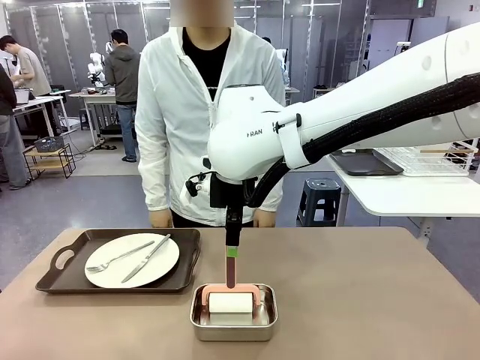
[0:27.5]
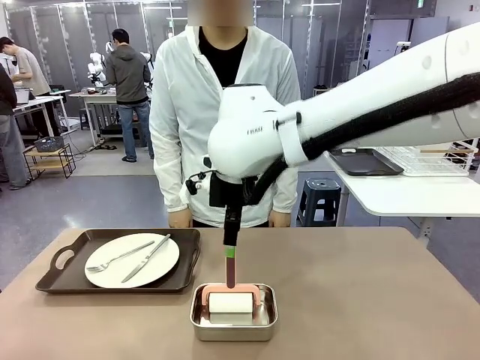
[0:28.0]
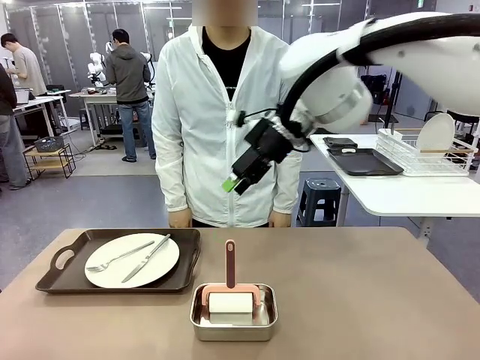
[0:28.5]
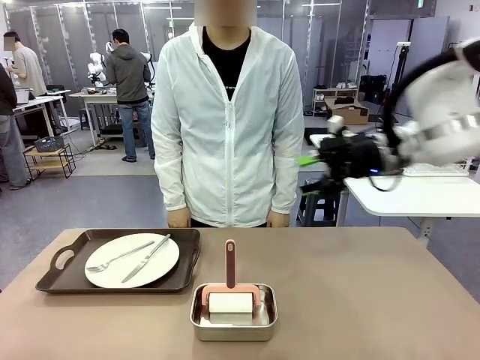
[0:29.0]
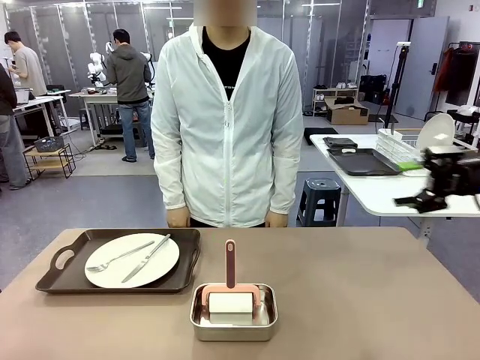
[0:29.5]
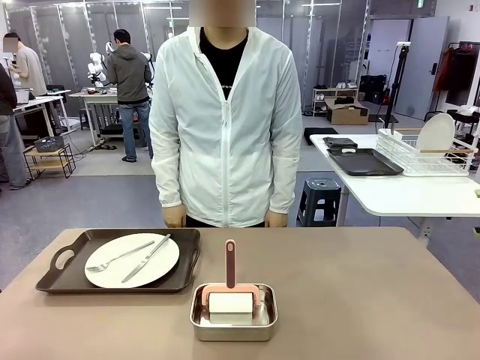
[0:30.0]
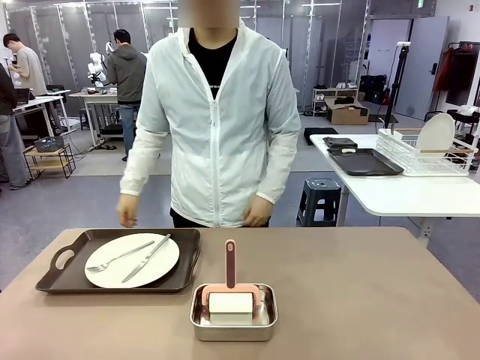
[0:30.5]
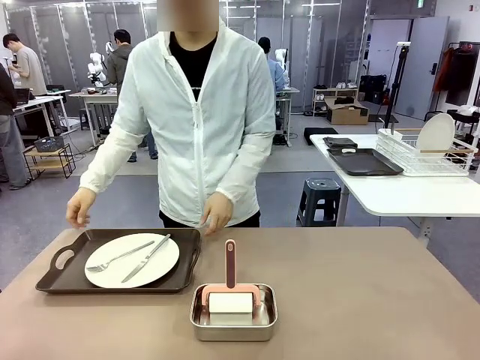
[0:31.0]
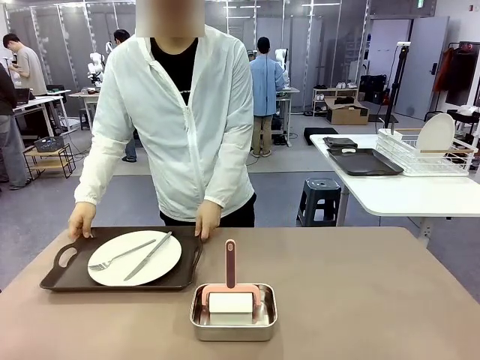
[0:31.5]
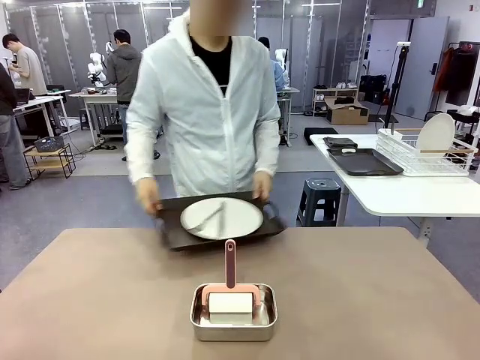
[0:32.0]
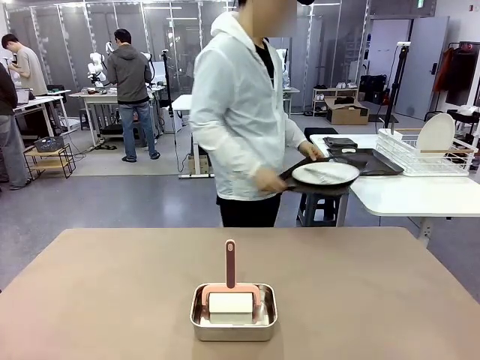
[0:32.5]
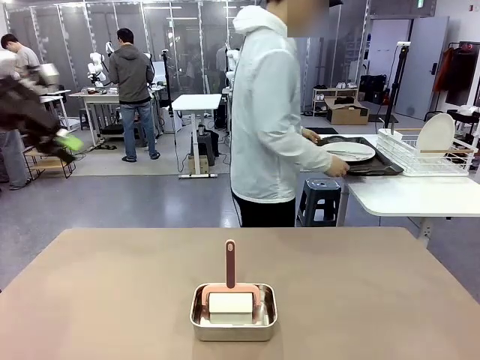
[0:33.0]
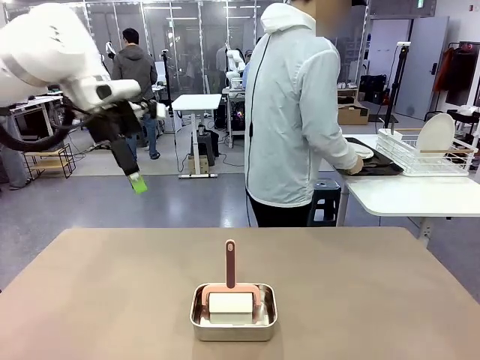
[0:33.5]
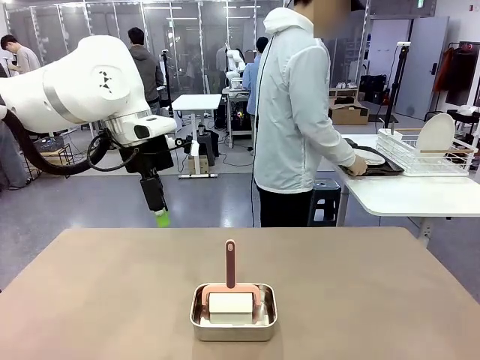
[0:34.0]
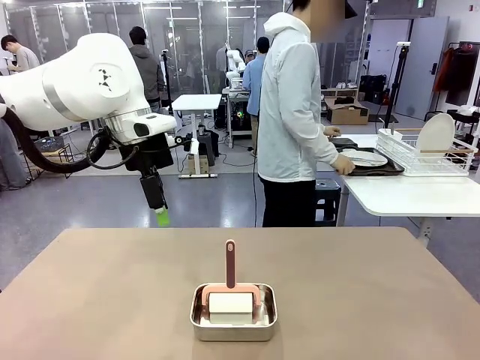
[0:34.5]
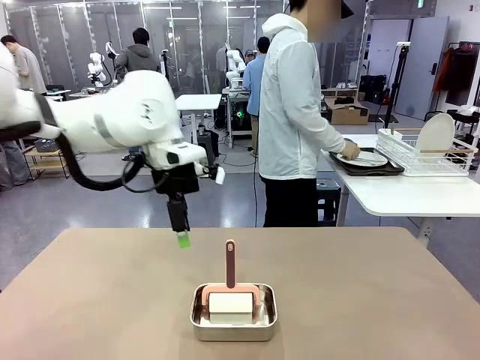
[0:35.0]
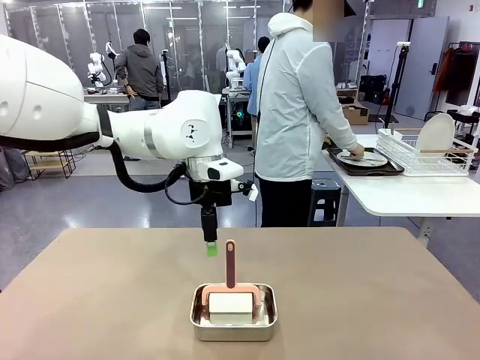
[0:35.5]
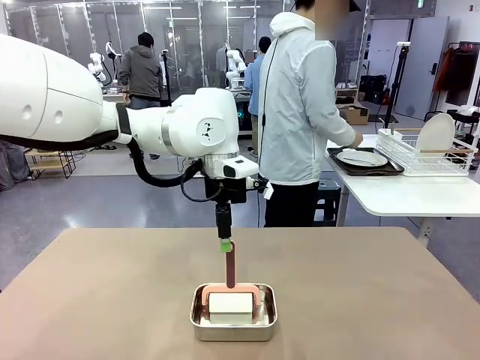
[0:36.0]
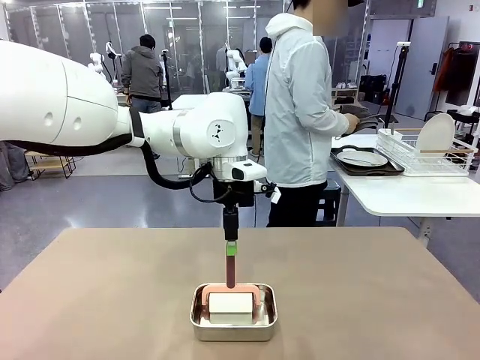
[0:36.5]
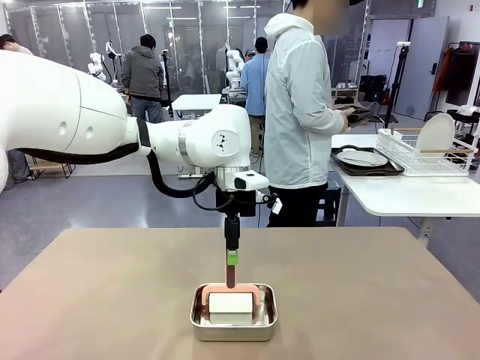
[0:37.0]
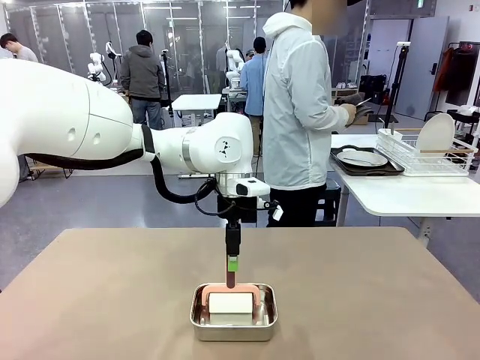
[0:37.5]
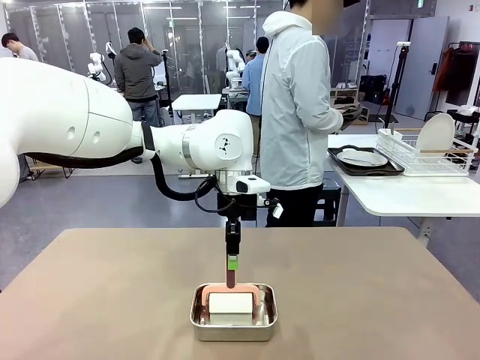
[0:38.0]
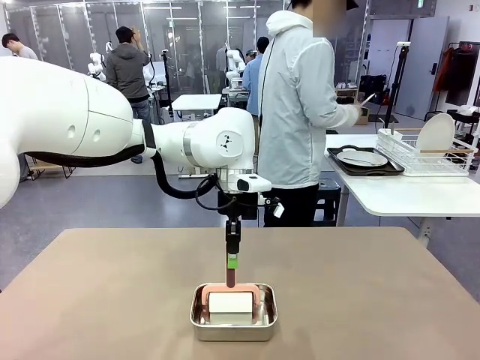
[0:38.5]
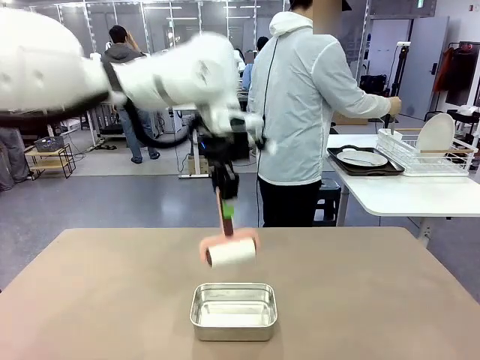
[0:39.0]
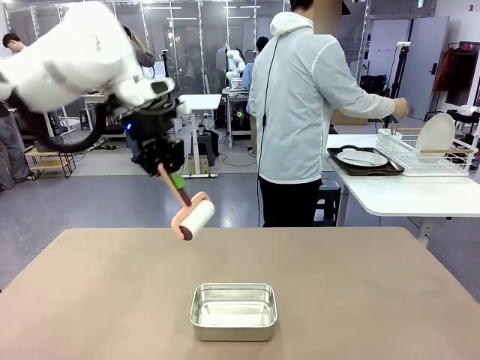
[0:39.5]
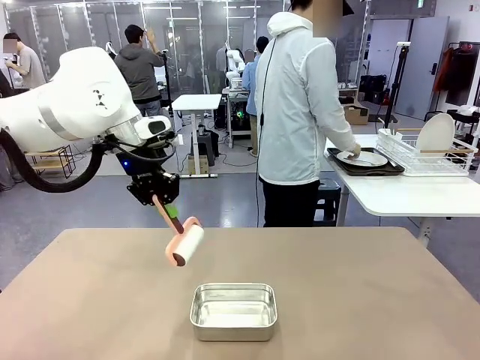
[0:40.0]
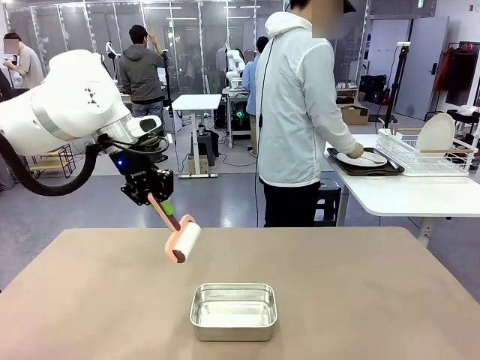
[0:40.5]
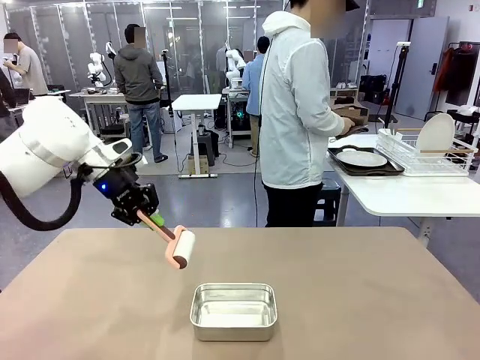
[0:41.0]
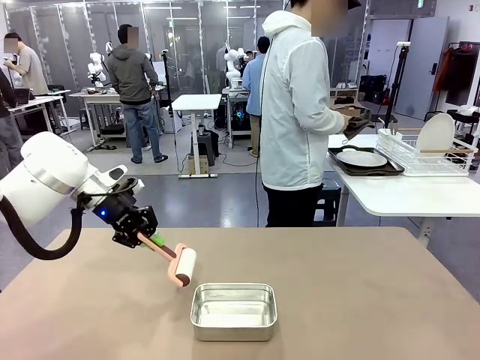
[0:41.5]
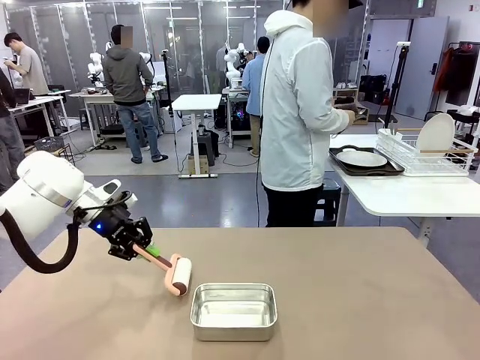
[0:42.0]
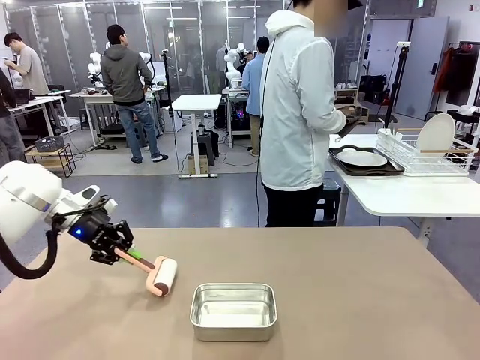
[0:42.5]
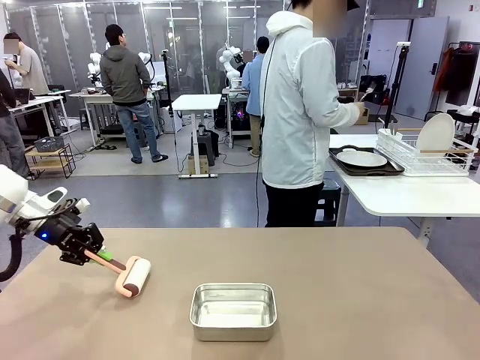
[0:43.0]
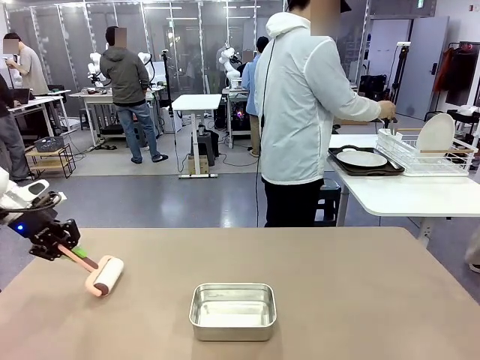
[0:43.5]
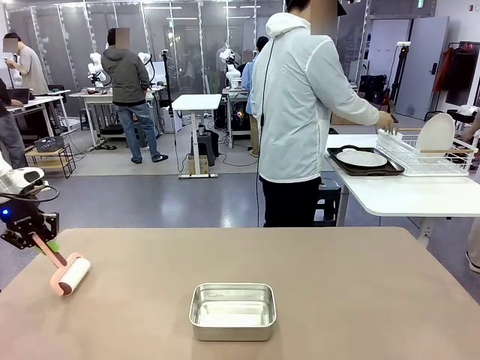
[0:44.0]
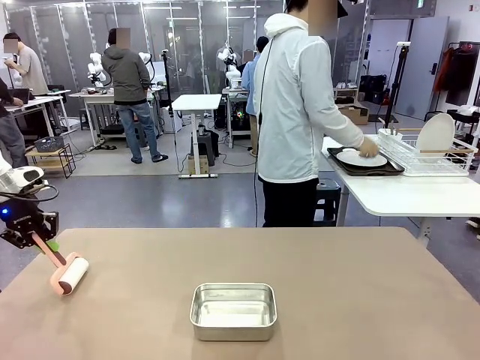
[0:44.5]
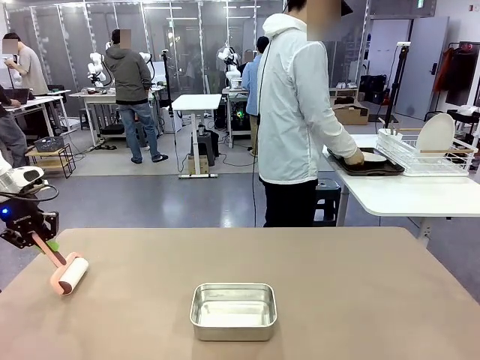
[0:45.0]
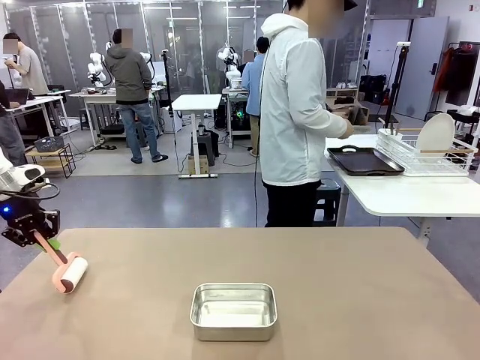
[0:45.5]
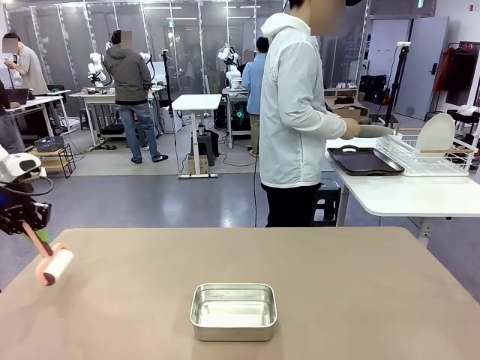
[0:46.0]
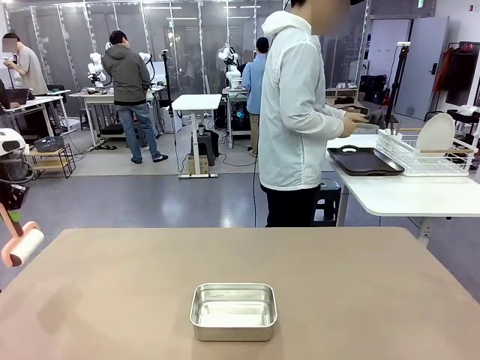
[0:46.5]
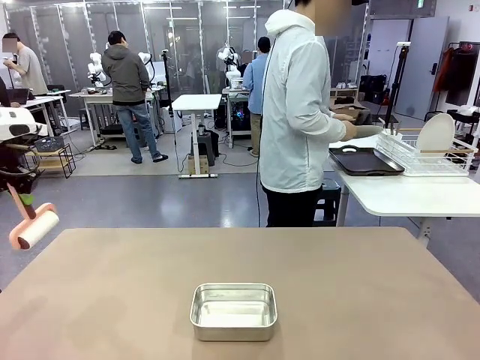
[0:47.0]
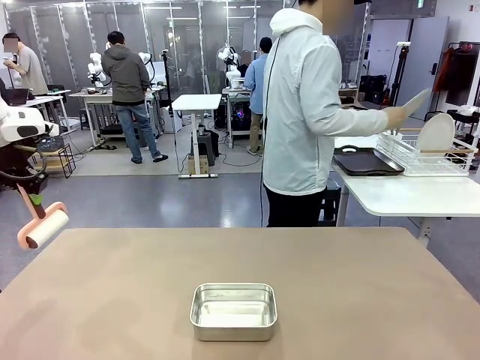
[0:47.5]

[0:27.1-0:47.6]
Robot: When the right (or left) Handle tray is removed, use the right hand (or left hand) to clean the right (or left) side of the table with the Lint Roller.
Person: Pick up the left (or right) Handle tray and place it on the Handle tray. Use the Towel with hook to wipe the Plastic Matte Plate , Fork , and Knife and place into the Dish drying rack.
